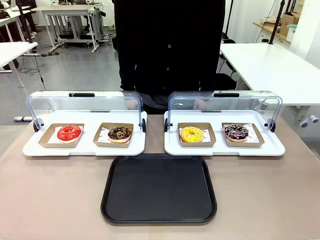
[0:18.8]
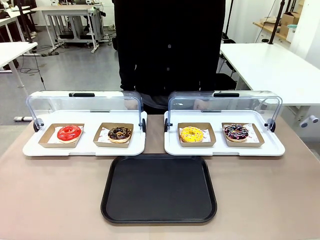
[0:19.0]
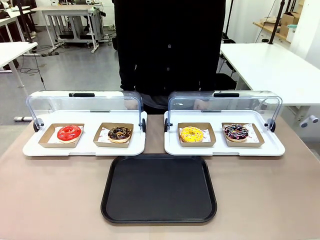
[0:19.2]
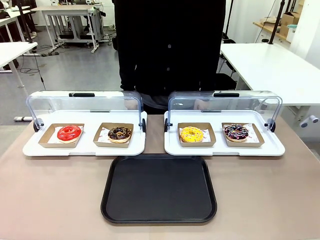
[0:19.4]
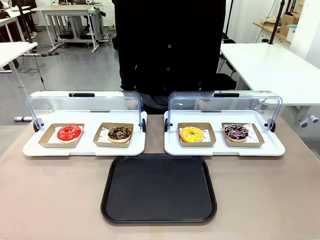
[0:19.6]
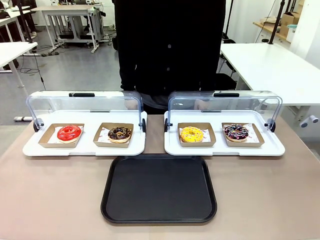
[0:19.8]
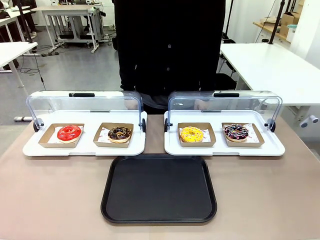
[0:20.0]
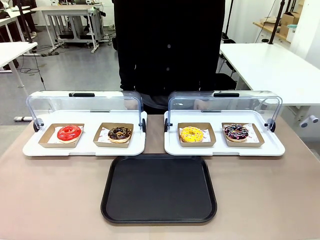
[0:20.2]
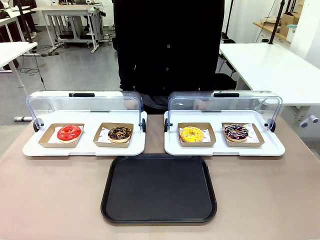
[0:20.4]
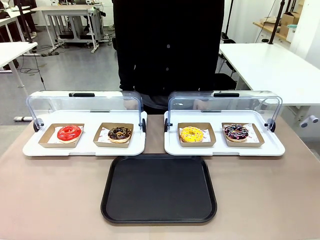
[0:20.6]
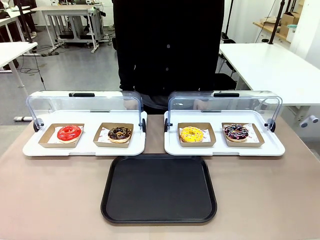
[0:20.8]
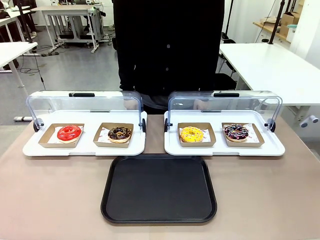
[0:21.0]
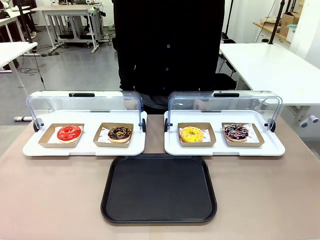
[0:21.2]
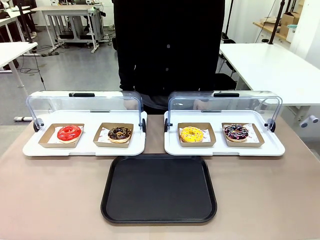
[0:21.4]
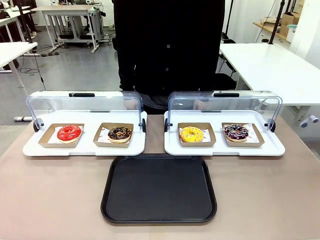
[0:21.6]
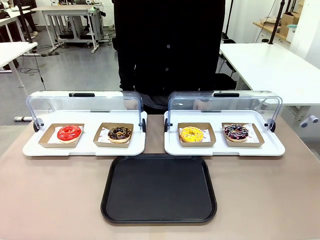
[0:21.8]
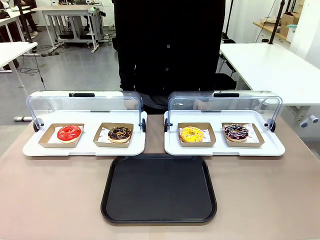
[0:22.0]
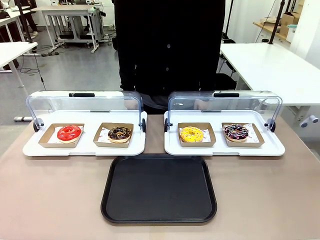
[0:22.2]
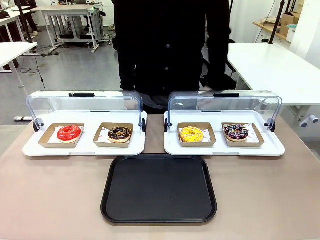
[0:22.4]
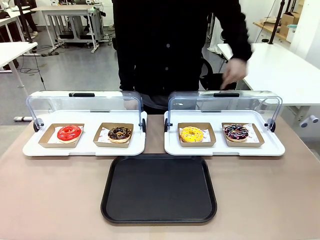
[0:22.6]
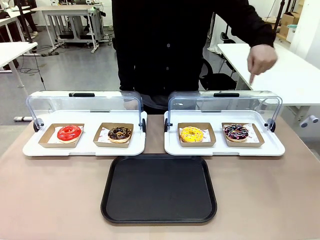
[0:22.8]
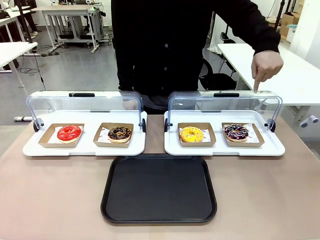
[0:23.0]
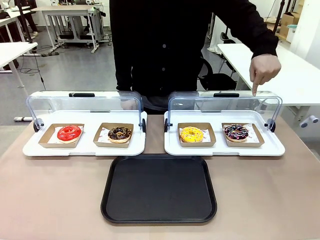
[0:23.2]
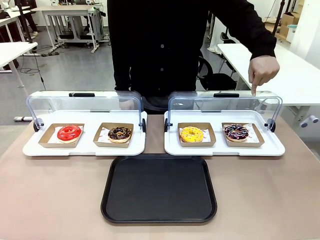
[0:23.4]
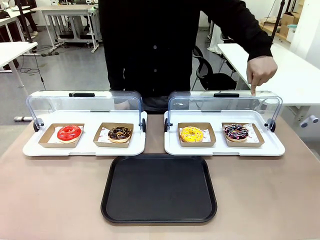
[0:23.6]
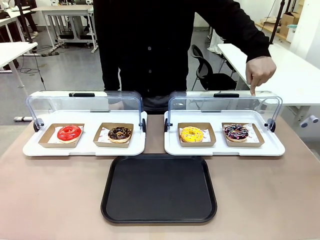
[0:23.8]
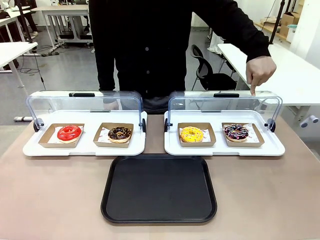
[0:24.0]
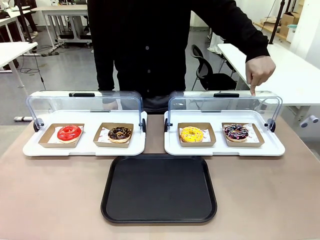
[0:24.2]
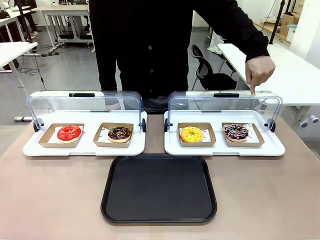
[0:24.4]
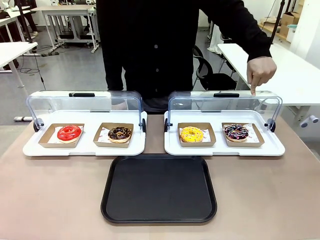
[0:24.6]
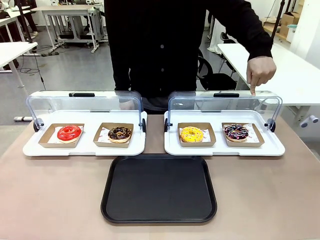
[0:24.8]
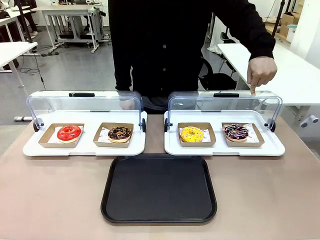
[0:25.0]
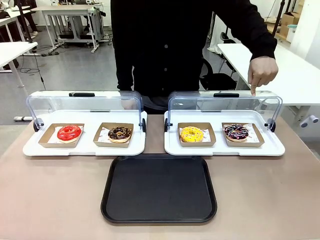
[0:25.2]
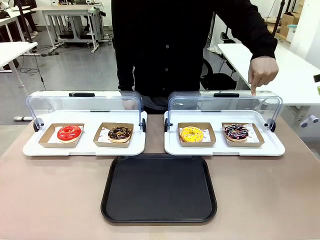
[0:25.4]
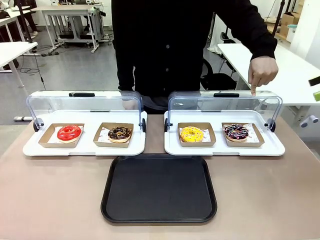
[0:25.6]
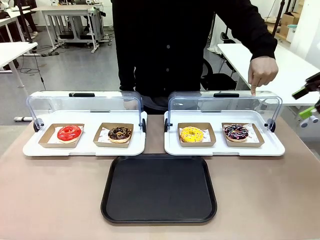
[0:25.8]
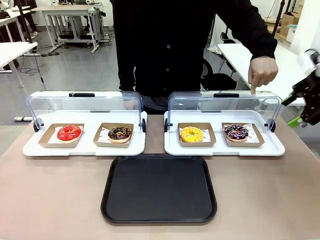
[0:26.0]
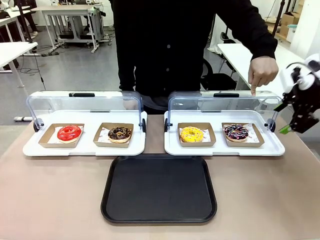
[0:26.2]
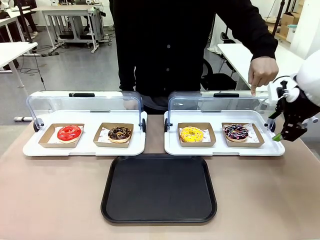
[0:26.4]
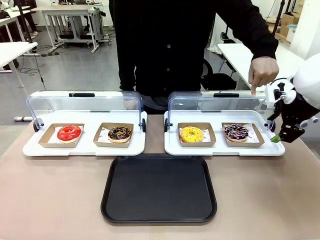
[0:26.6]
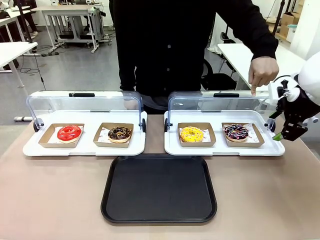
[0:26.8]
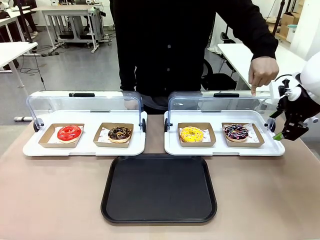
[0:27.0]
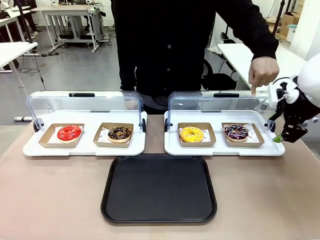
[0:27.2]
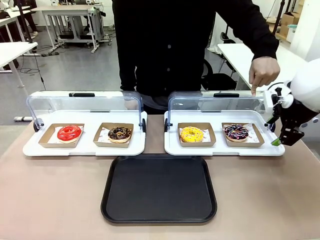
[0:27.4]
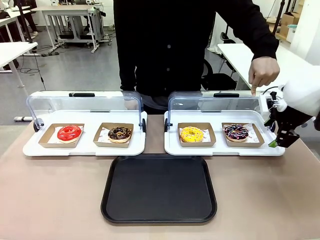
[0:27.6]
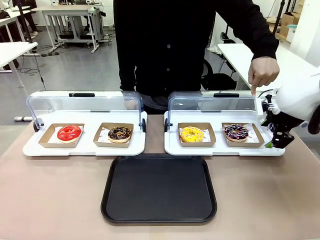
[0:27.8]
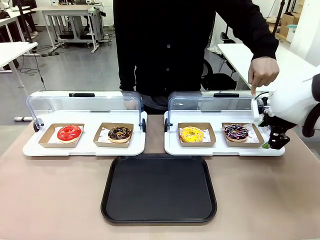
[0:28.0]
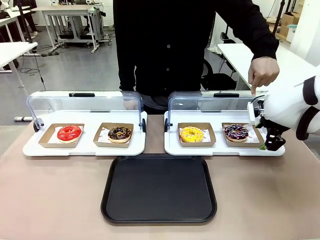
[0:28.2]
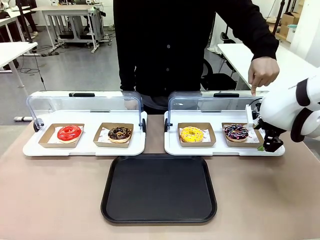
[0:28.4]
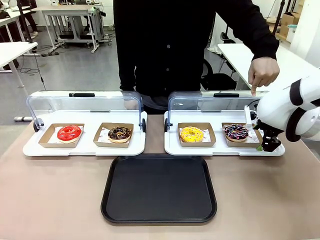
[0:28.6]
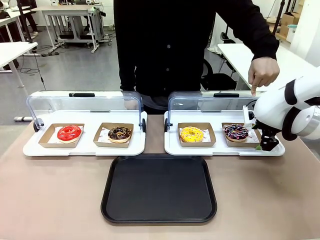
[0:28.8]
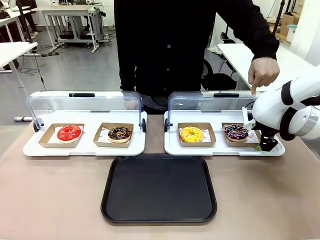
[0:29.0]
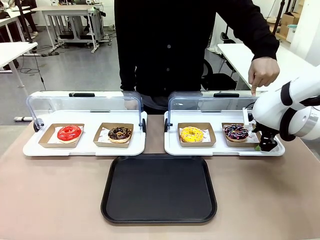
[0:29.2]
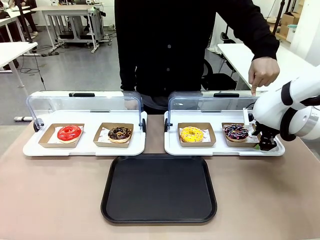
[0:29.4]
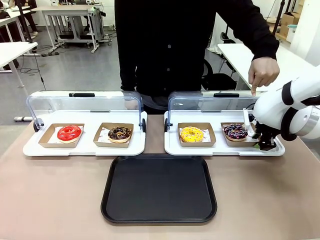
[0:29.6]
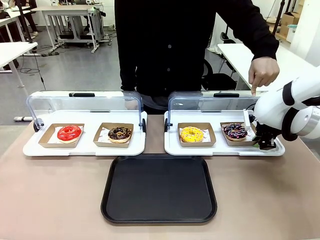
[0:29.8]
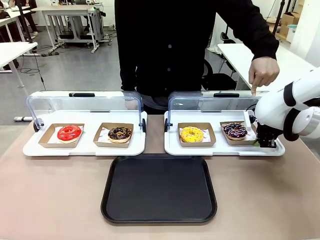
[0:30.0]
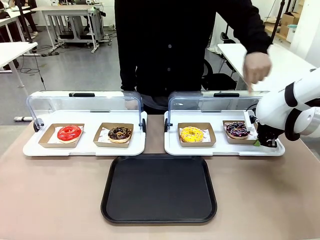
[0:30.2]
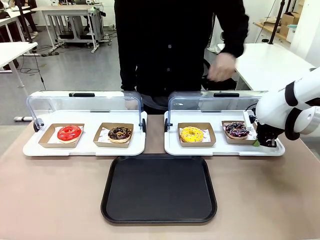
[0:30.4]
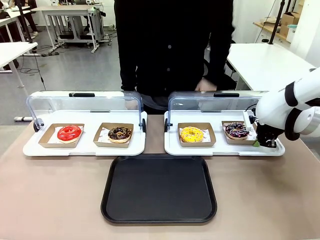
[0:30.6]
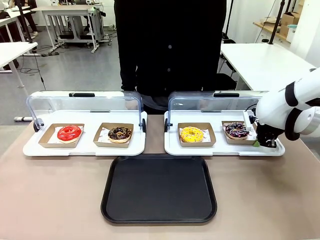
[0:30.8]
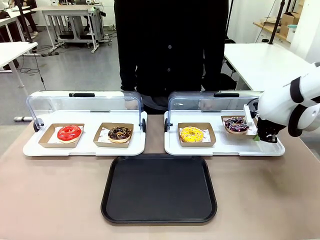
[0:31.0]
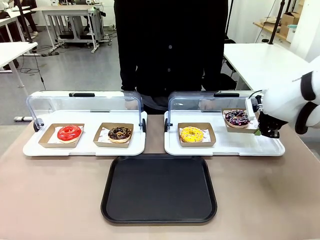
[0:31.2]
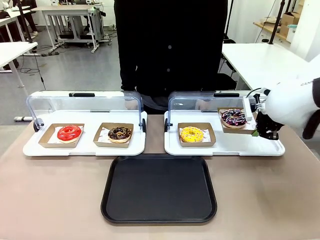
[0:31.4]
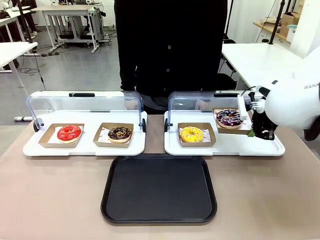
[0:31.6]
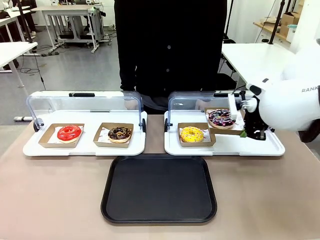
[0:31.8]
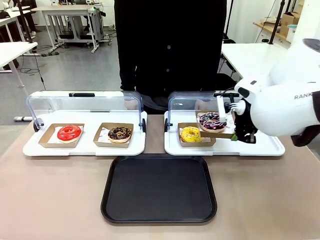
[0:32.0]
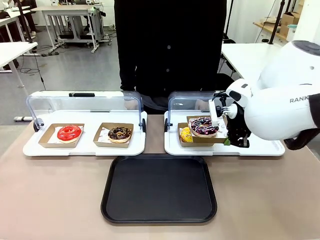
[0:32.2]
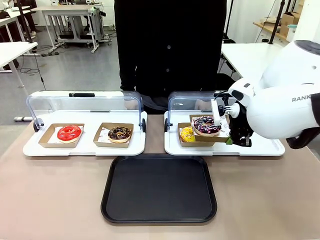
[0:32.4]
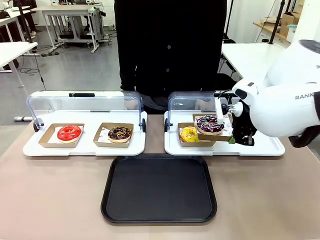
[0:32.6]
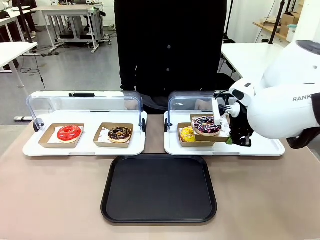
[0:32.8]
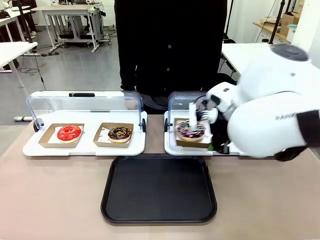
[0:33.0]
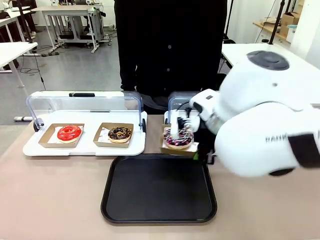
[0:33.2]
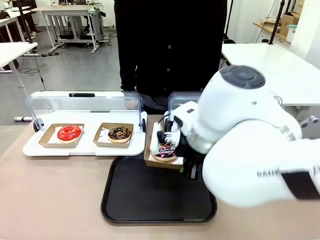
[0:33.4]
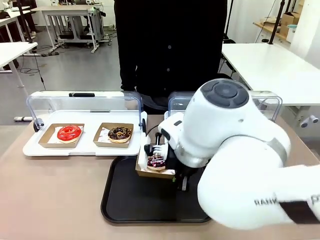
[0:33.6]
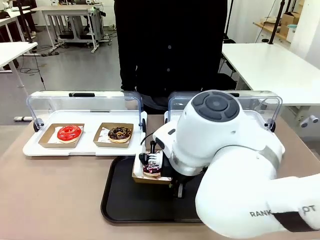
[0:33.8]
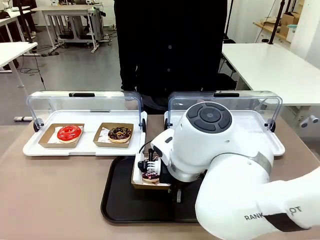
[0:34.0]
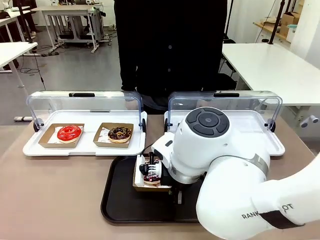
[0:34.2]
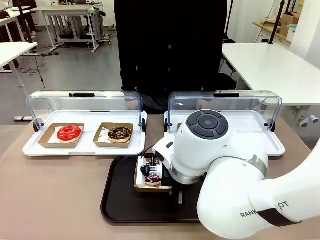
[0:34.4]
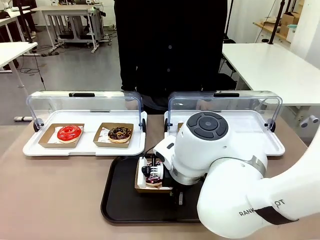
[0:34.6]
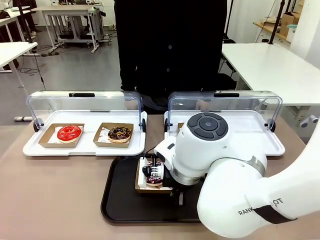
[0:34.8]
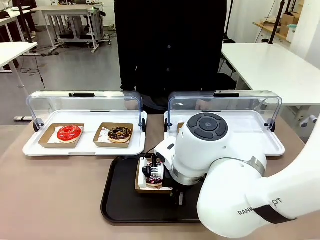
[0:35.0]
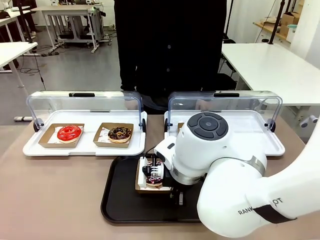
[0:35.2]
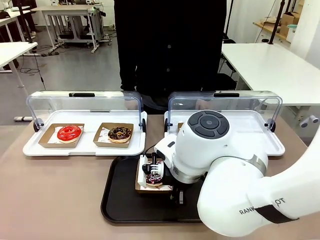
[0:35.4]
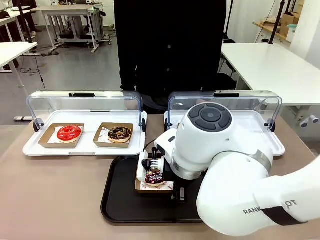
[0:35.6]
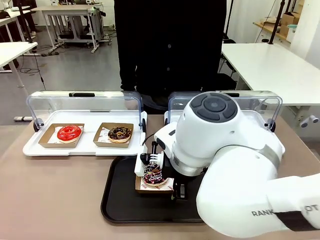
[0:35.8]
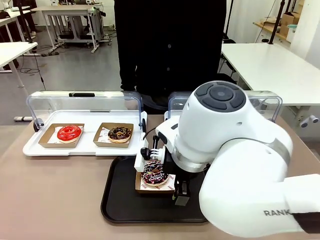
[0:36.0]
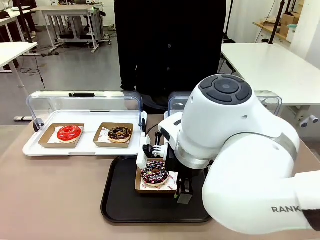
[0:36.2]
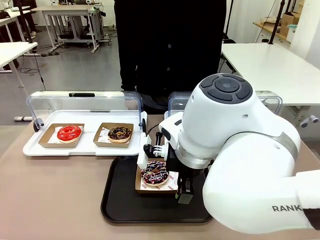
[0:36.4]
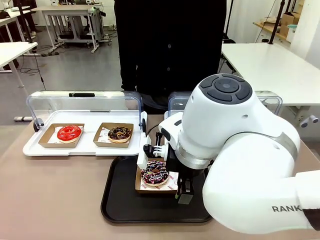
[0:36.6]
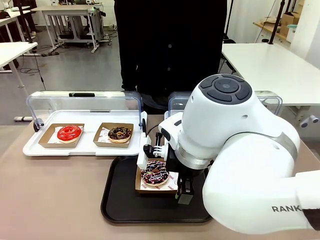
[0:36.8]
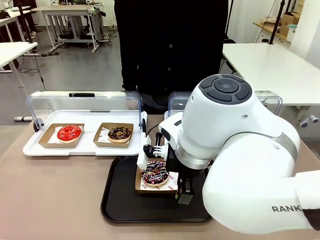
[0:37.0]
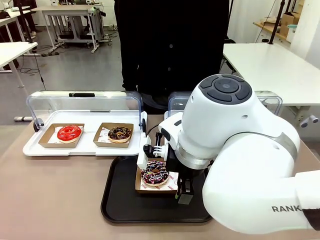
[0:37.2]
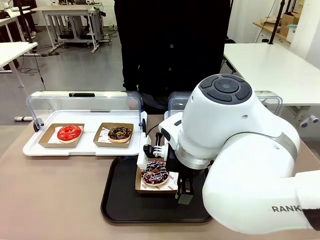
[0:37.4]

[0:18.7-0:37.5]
Task: Move the fourth donut from the left to the tray.
Robot: Pick up the Paper togo box containing the Donut indicated by the person and place it on the Handle tray.
Person: Points to the fourth donut from the left from the robot’s perspective.
